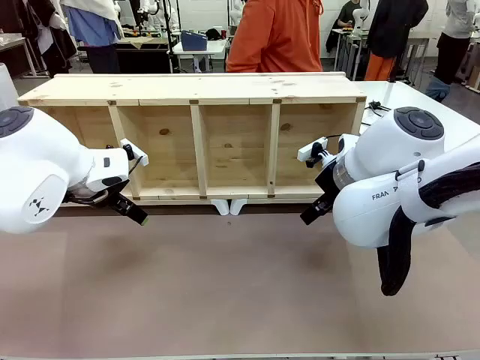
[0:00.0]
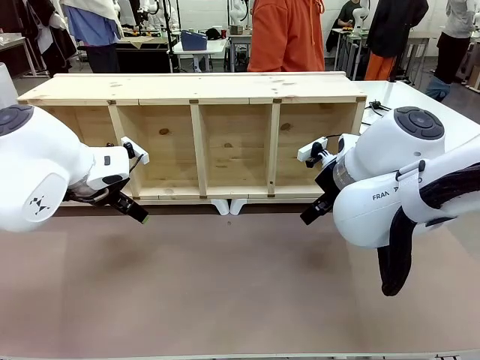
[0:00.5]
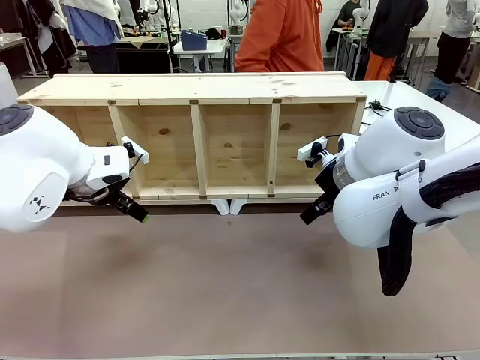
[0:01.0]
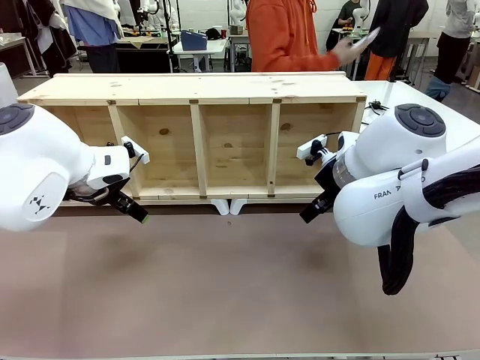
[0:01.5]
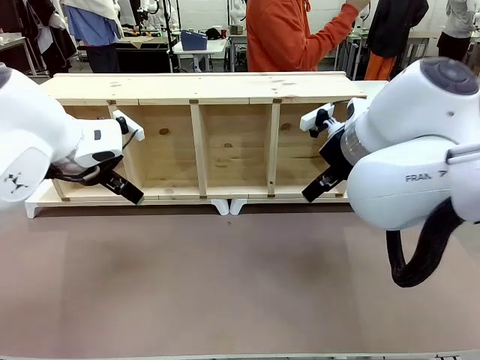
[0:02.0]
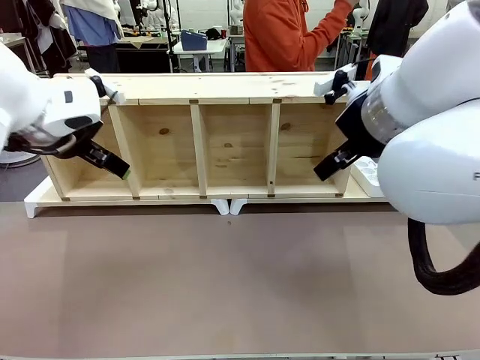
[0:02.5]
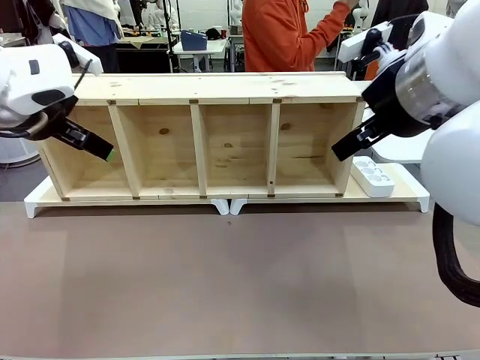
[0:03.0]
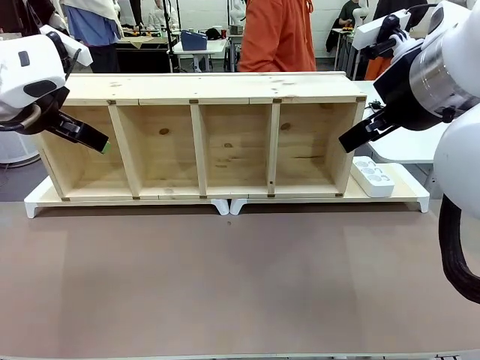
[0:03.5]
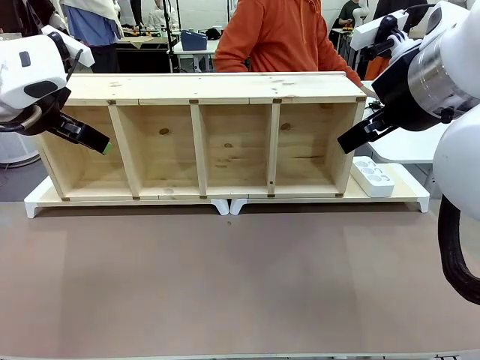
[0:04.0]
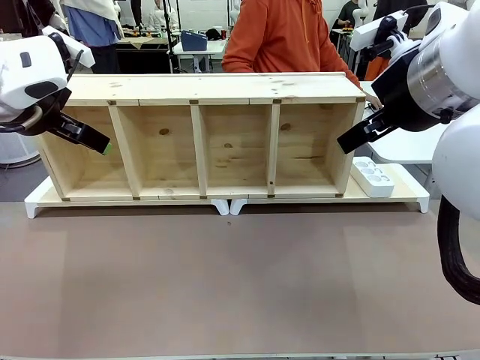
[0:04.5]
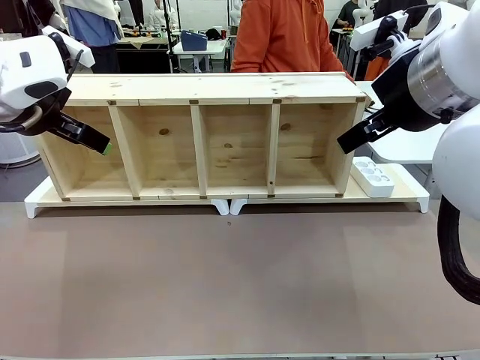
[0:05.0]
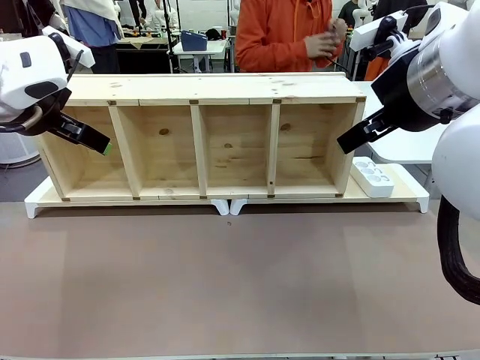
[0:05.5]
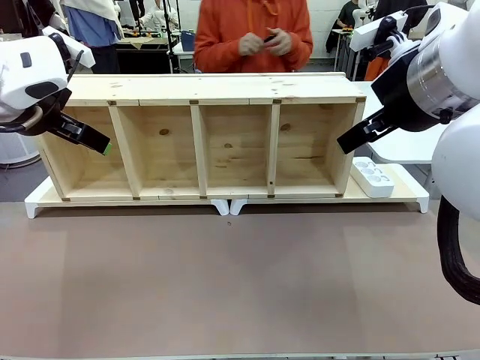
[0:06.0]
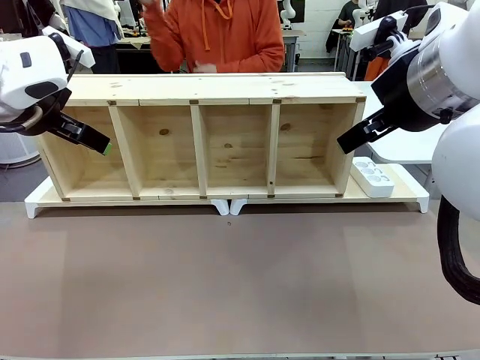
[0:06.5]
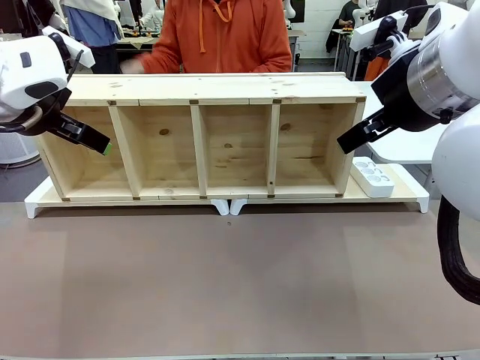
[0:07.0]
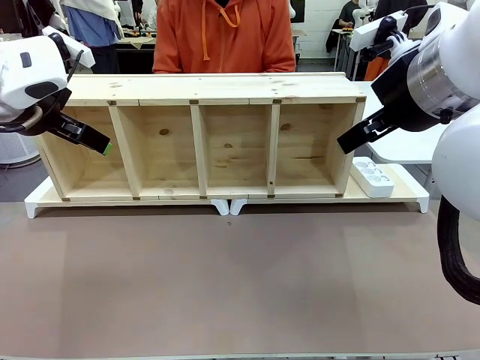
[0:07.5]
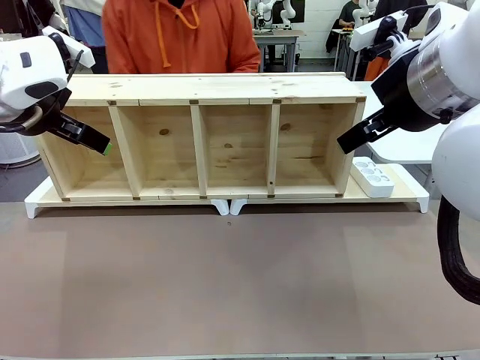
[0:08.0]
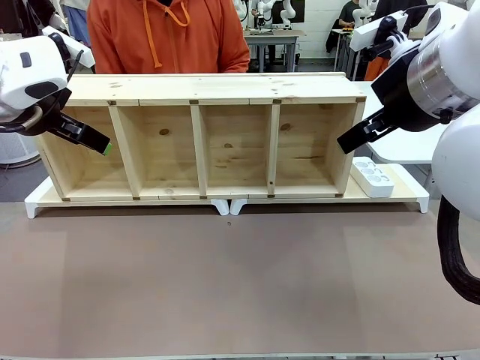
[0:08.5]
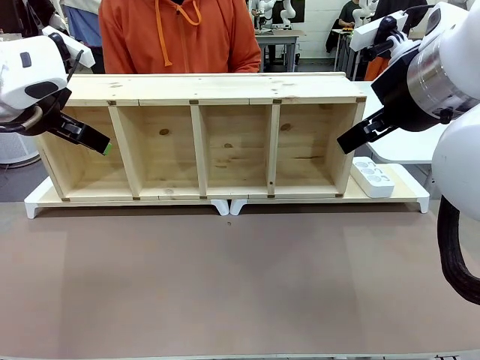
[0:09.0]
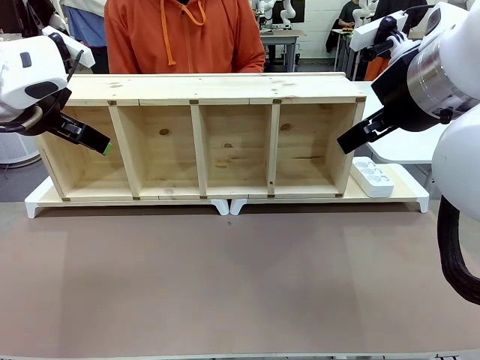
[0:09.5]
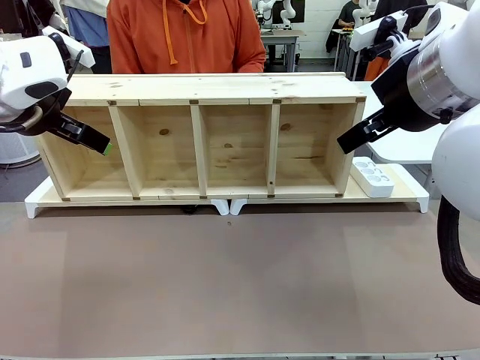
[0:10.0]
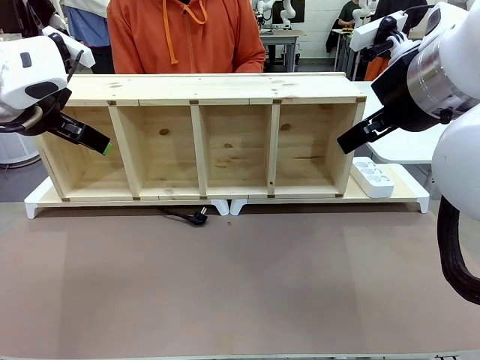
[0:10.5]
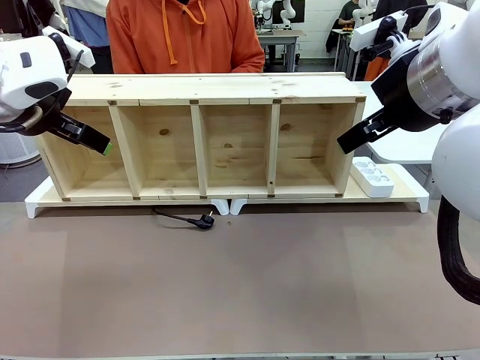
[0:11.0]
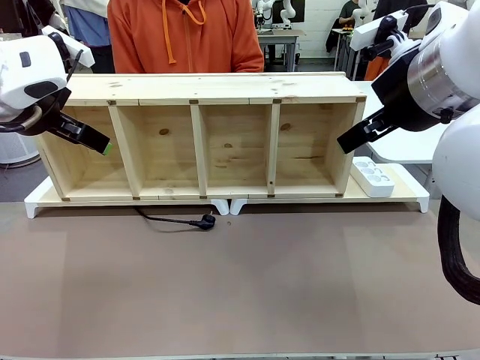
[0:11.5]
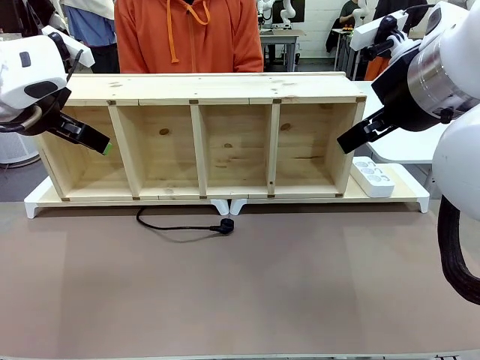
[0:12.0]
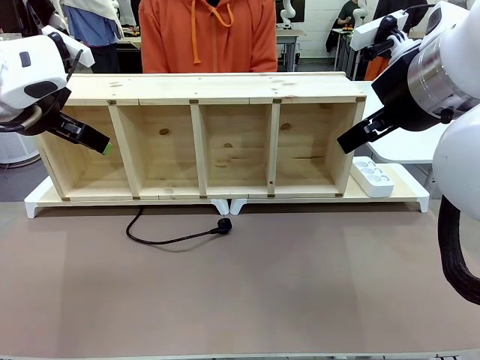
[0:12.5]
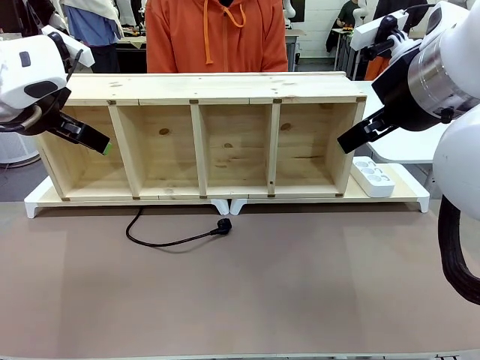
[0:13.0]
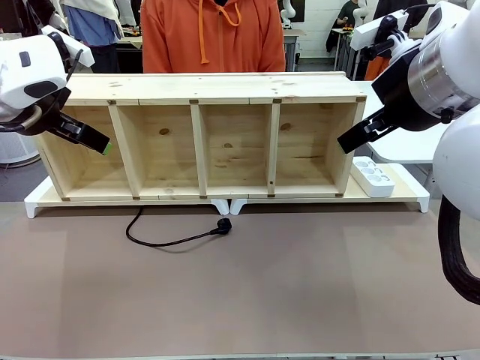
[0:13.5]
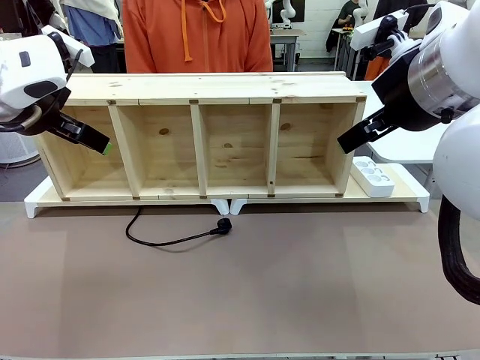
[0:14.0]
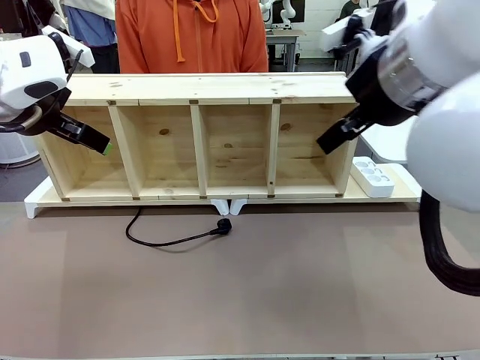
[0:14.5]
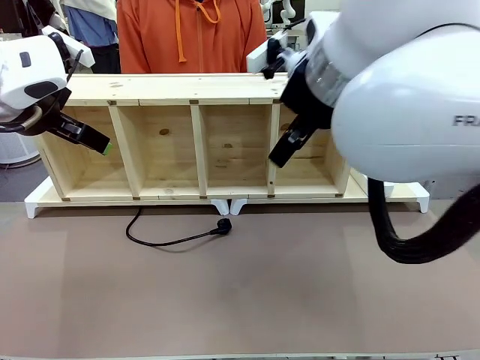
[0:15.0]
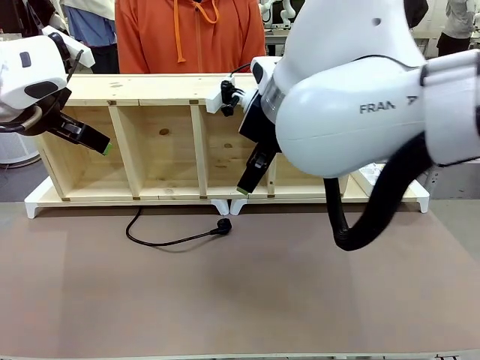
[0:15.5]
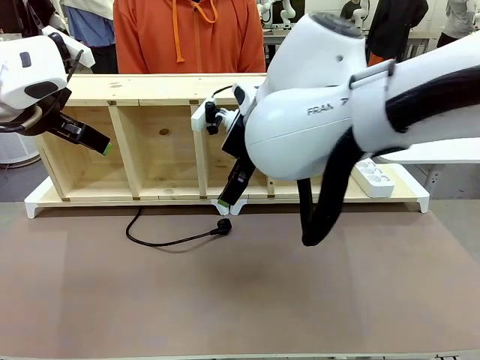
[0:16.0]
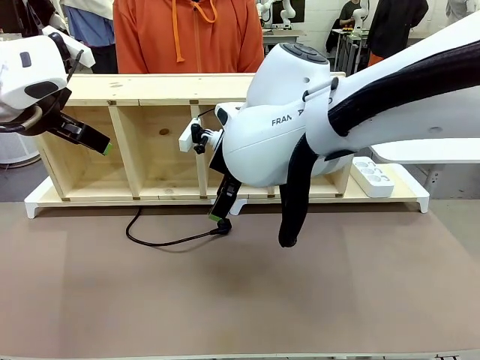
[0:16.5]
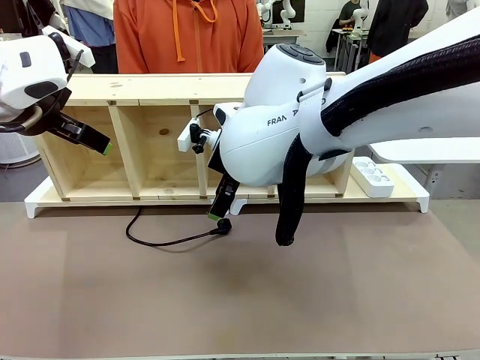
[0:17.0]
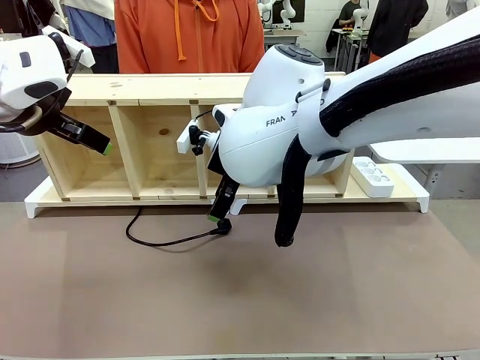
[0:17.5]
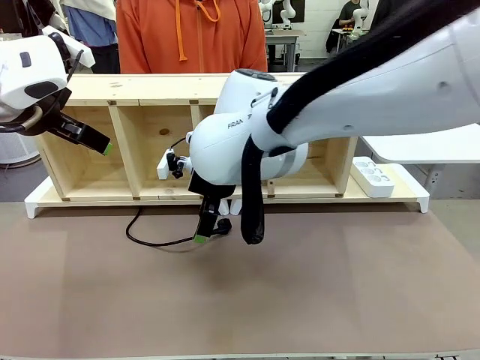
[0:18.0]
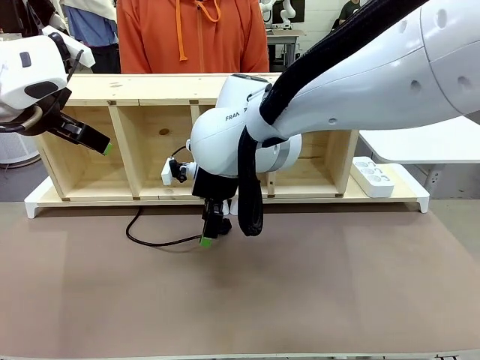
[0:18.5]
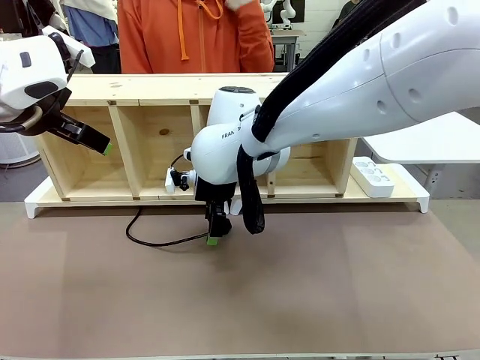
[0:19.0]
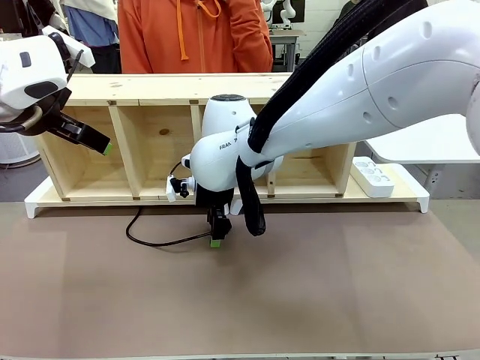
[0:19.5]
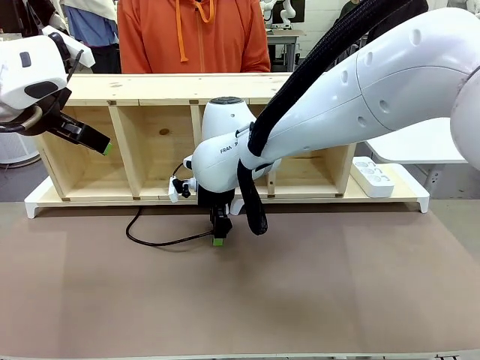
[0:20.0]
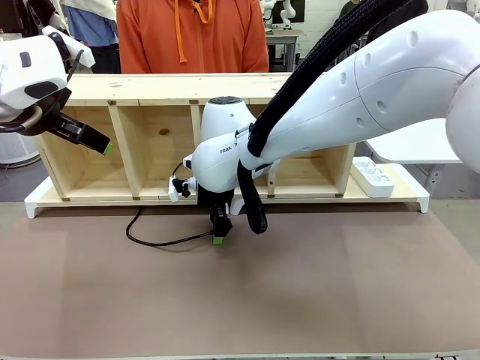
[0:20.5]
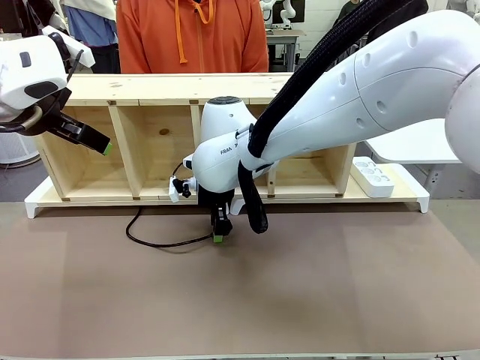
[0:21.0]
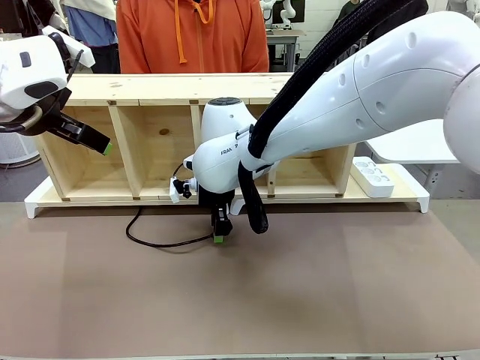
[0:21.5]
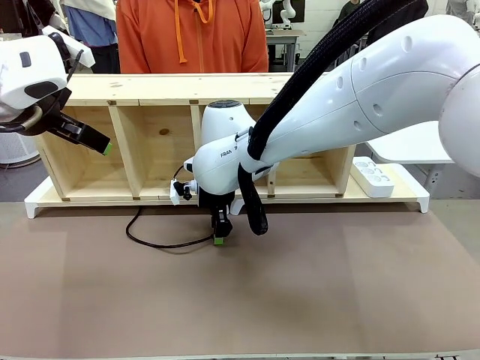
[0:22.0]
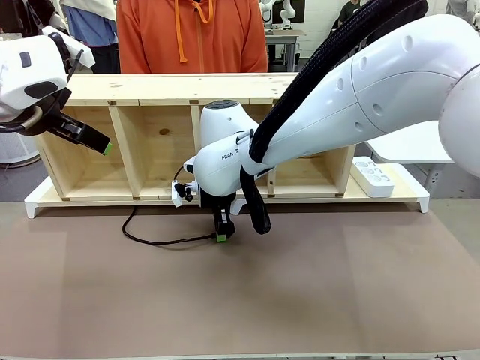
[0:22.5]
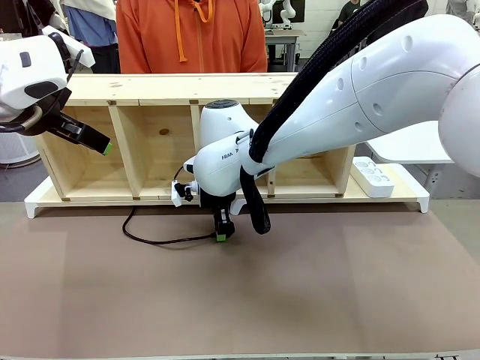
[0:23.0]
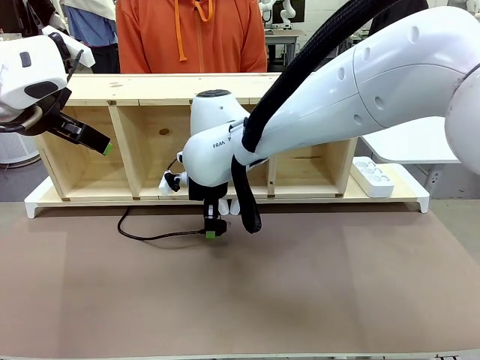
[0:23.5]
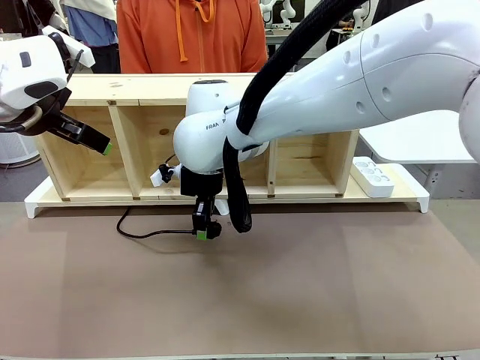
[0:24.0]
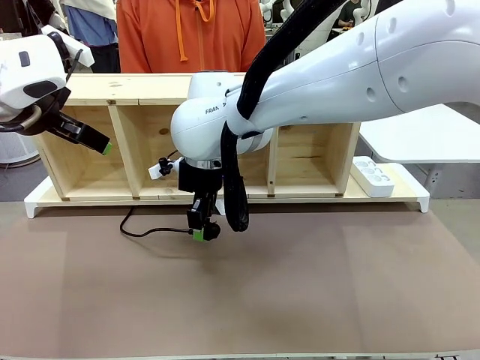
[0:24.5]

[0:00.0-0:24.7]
Task: Perform cable management.
Robot: When the cord part of the Power Cable appears at the lower middle area of the table and stops, grasp the cord part of the Power Cable.
Person: Pass the Power Cable under the Serving Table.
